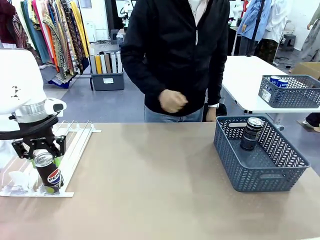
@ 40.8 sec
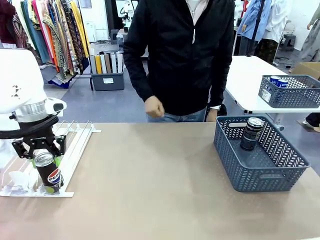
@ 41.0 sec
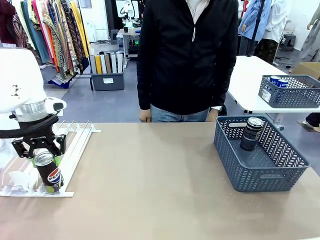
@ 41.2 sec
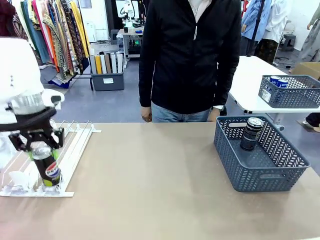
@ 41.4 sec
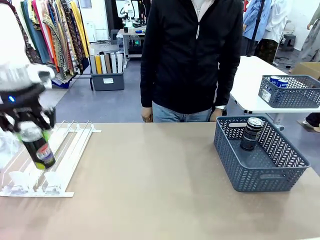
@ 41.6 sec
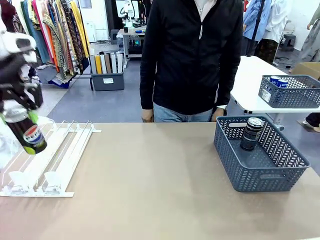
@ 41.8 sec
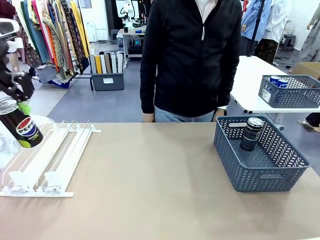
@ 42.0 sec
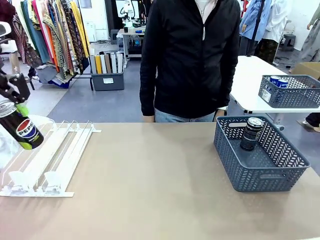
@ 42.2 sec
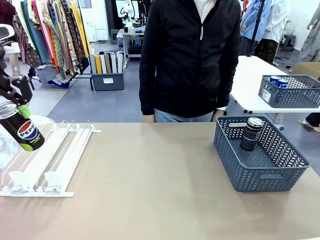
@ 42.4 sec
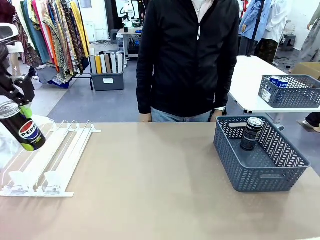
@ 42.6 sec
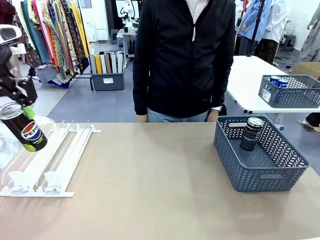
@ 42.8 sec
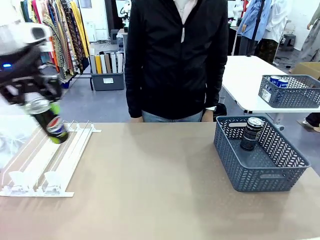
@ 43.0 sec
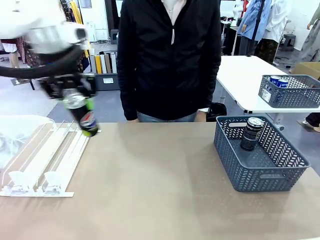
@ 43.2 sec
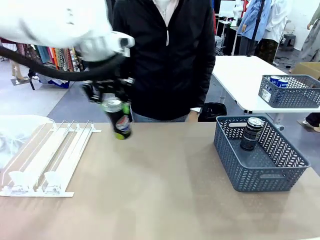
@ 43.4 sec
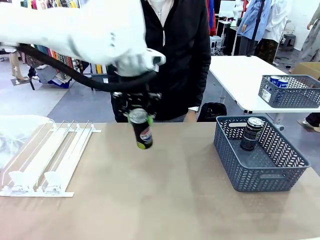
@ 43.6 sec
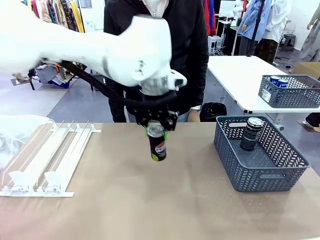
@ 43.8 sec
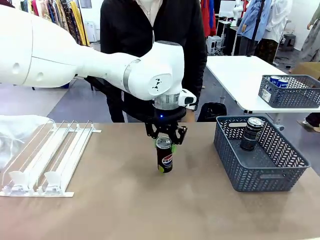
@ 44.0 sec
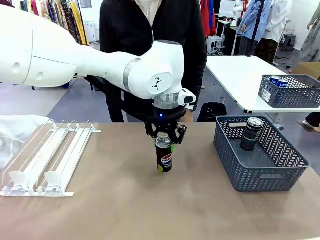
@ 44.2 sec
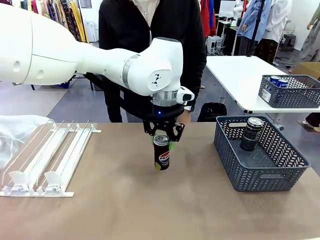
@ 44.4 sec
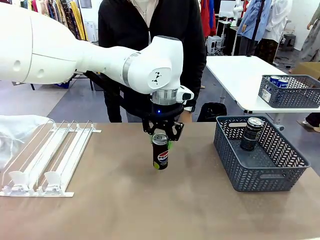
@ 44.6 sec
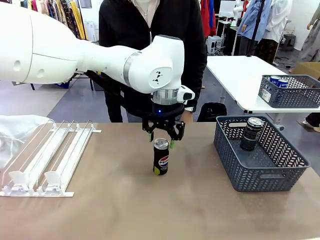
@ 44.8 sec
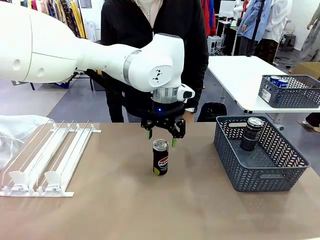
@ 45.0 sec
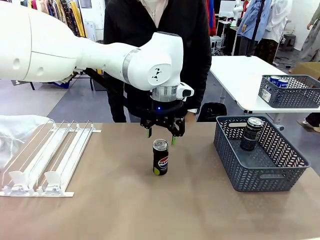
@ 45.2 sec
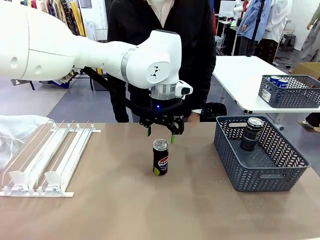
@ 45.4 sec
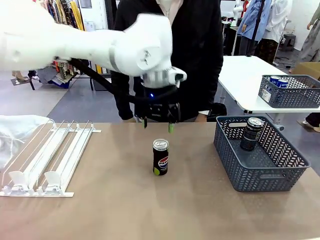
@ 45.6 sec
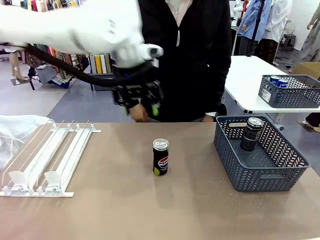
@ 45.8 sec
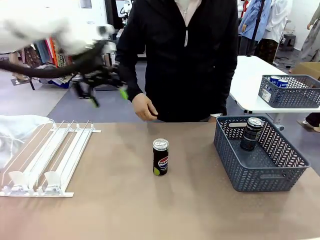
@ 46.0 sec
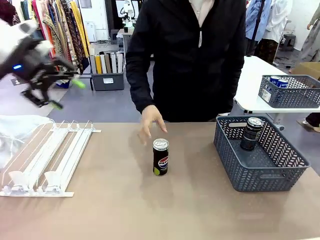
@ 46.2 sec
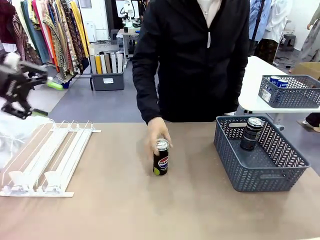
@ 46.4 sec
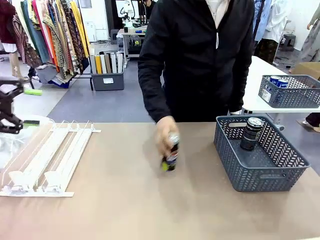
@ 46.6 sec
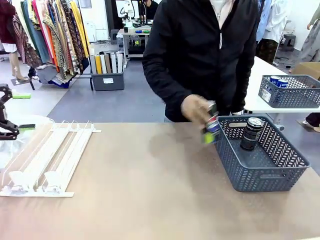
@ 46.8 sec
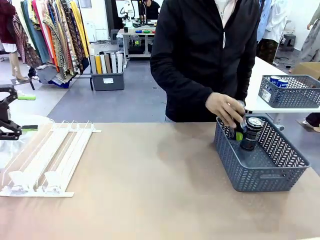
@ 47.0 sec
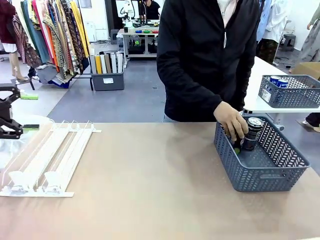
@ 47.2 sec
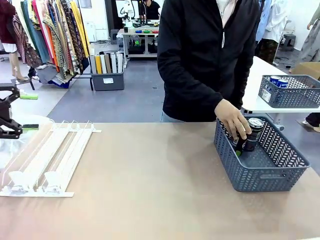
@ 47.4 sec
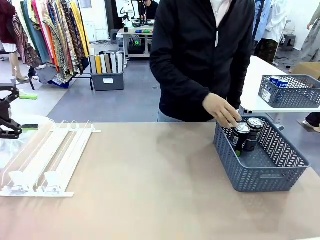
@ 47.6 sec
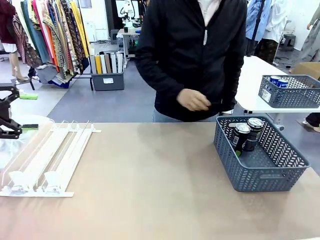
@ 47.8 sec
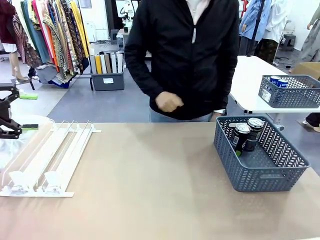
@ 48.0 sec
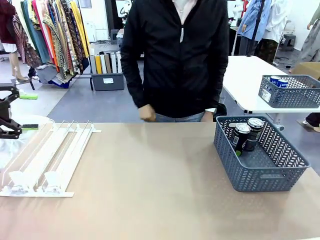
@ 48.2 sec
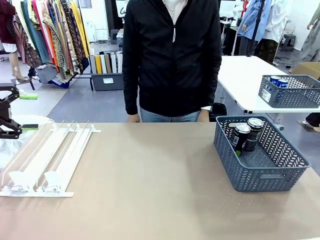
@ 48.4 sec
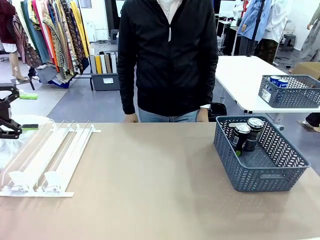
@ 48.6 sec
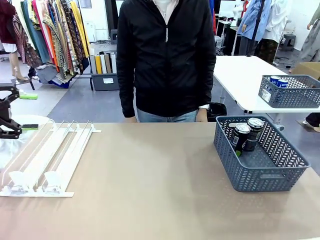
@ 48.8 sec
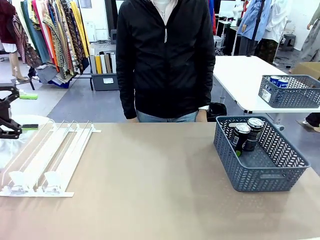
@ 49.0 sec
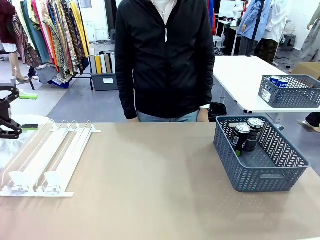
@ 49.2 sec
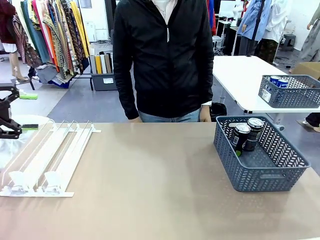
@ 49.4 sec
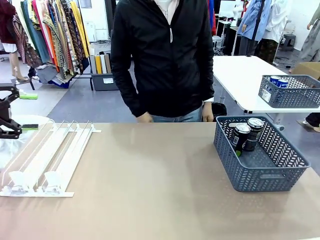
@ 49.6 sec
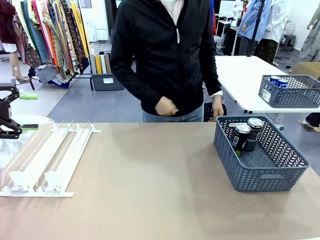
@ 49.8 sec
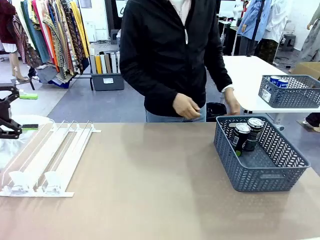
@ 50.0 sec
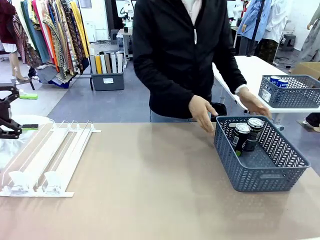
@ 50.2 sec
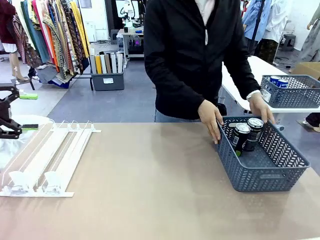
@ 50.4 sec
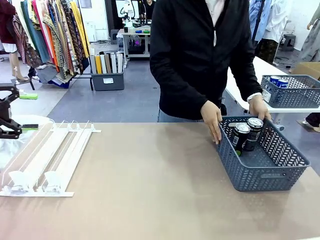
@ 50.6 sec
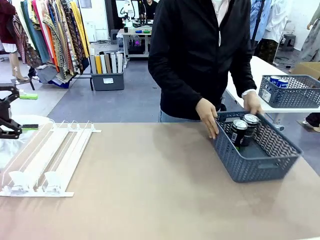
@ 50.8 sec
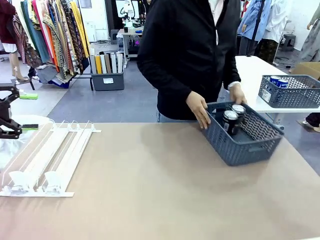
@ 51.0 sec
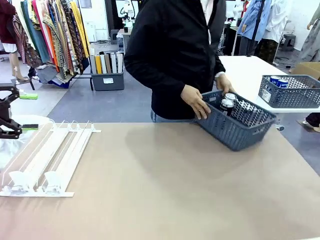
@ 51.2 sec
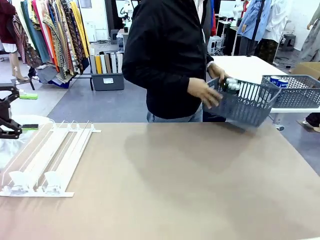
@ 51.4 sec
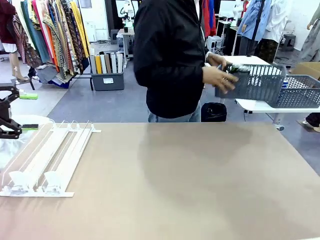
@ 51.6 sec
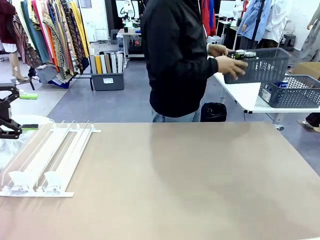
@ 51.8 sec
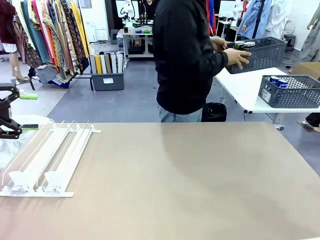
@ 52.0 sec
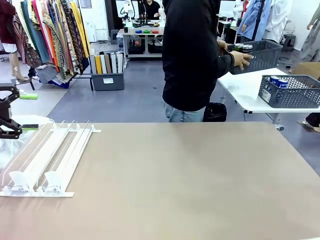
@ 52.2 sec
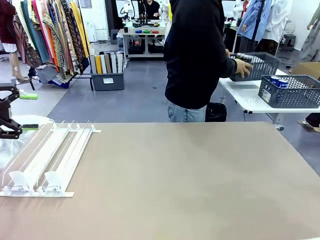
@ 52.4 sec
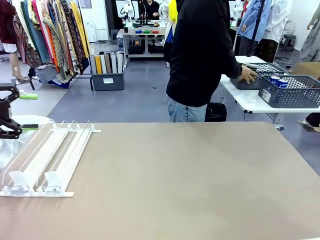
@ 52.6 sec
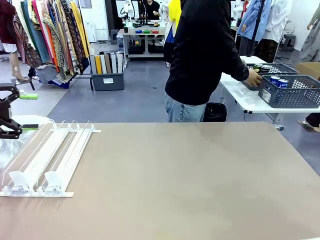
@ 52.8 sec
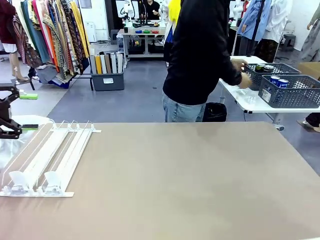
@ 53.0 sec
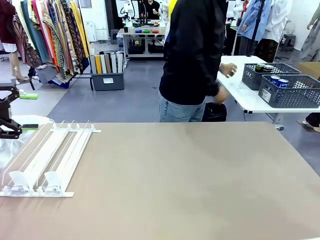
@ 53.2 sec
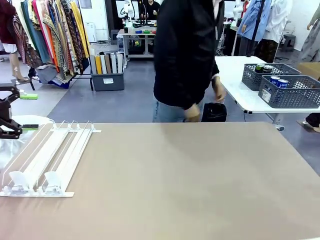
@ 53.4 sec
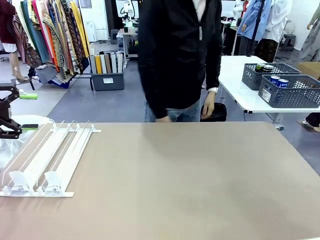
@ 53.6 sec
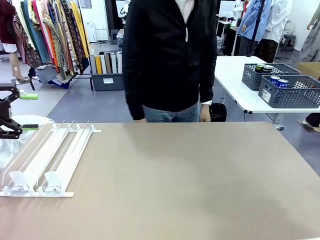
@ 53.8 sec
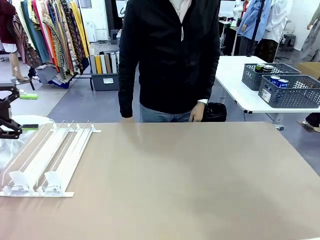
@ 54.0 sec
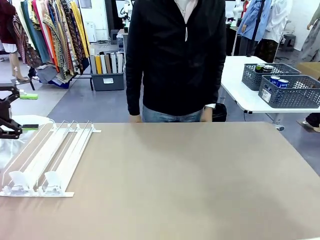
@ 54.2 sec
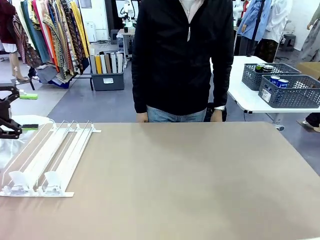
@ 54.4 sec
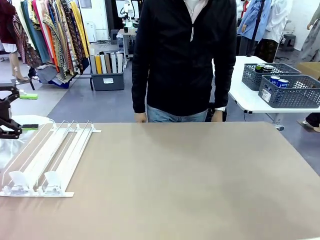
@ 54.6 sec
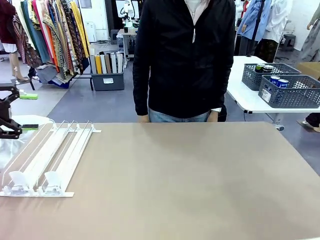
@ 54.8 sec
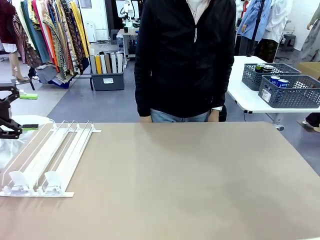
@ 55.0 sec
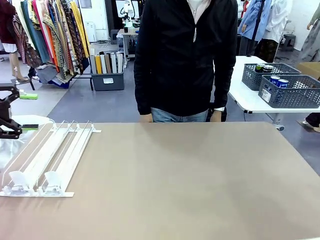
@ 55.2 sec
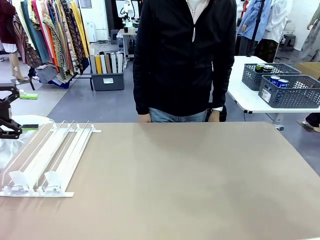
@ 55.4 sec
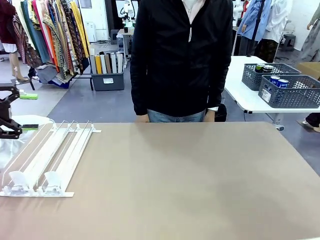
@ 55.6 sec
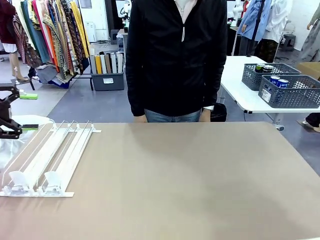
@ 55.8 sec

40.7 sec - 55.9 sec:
Task: Retrieve and store the cans from the dispenser.
Robot: Pick up one can from the Automatic Can Dispenser and place it in the middle of the table.
Person: Pick up one sports drink can from the middle of the robot table and place it in the basket. Pick up the basket and place it in the middle of the human table.

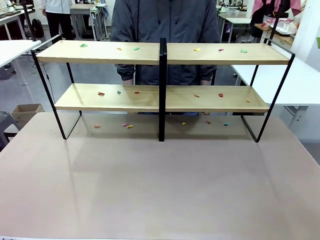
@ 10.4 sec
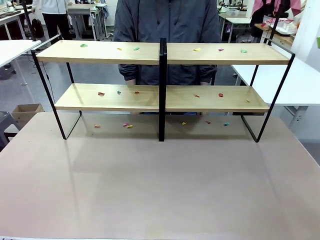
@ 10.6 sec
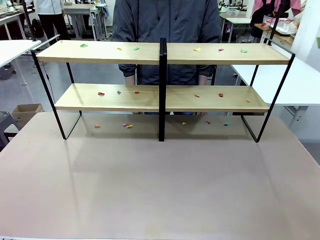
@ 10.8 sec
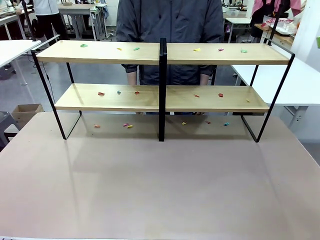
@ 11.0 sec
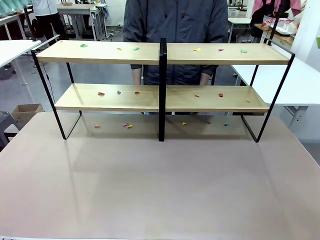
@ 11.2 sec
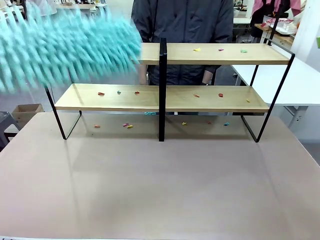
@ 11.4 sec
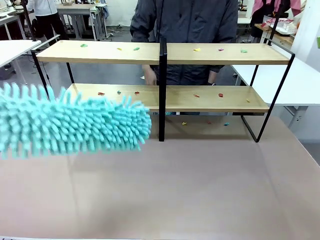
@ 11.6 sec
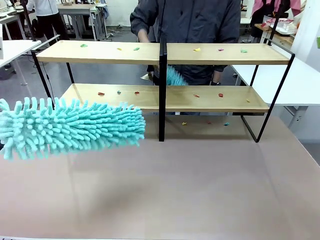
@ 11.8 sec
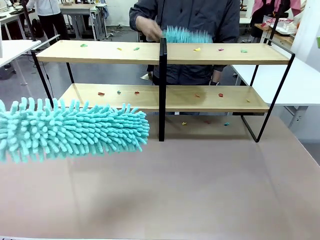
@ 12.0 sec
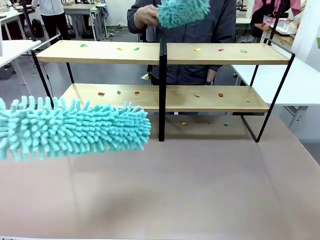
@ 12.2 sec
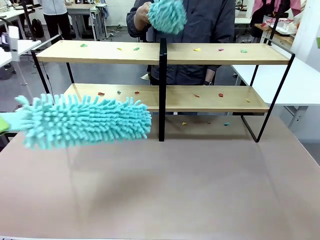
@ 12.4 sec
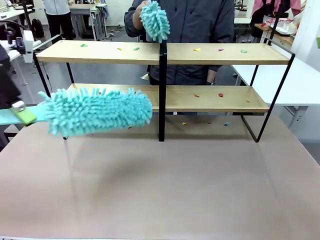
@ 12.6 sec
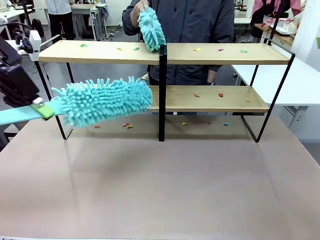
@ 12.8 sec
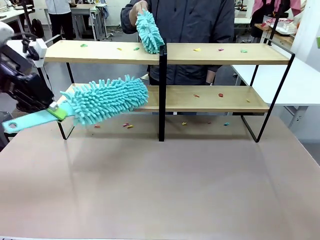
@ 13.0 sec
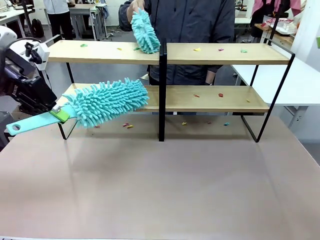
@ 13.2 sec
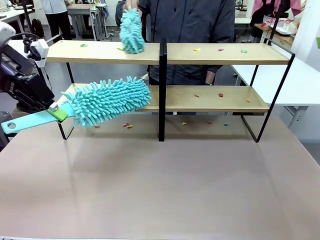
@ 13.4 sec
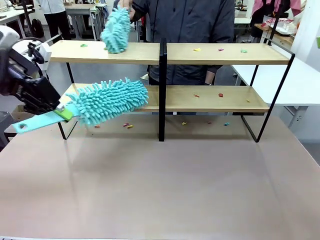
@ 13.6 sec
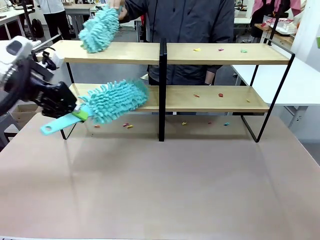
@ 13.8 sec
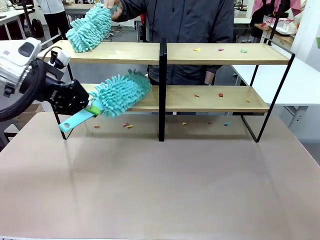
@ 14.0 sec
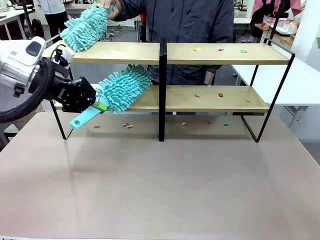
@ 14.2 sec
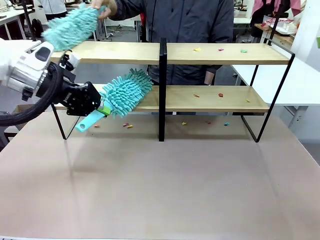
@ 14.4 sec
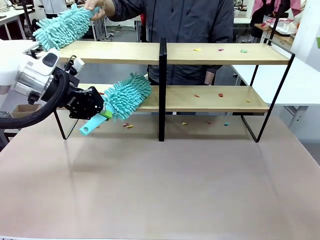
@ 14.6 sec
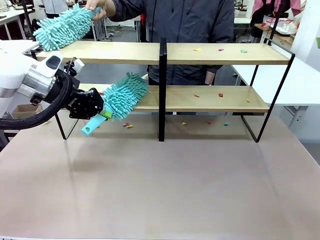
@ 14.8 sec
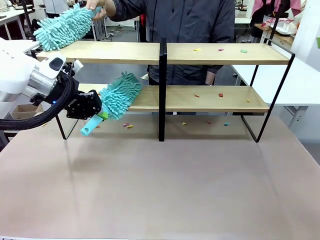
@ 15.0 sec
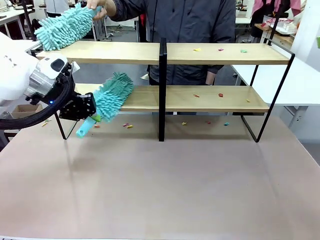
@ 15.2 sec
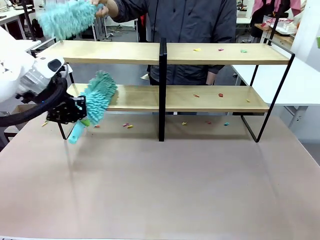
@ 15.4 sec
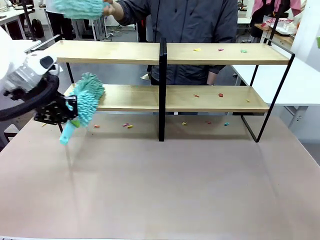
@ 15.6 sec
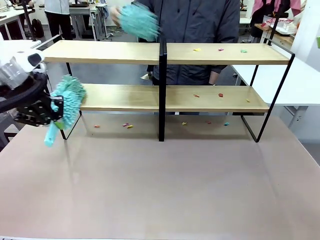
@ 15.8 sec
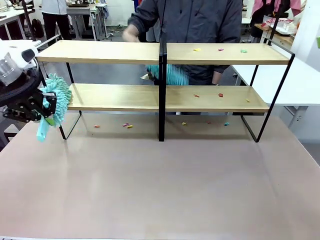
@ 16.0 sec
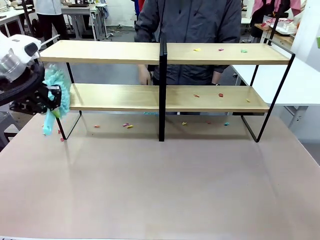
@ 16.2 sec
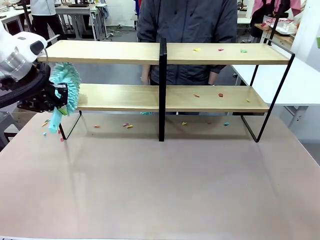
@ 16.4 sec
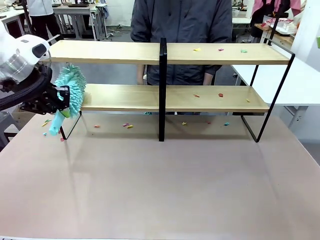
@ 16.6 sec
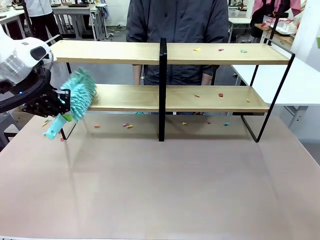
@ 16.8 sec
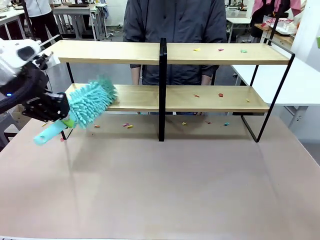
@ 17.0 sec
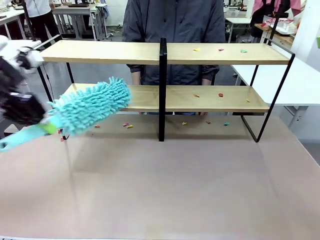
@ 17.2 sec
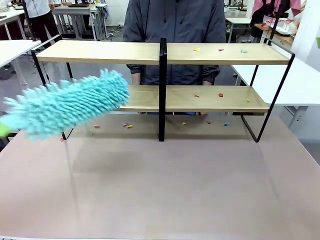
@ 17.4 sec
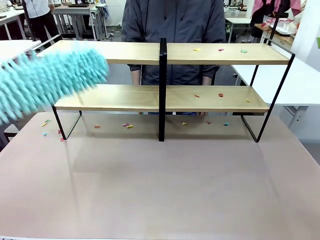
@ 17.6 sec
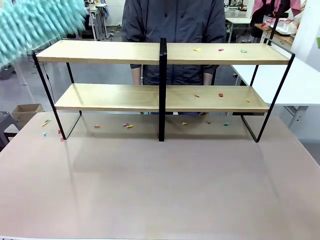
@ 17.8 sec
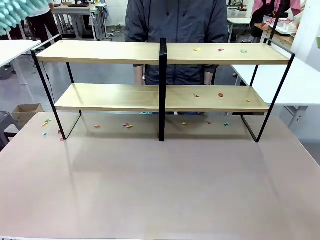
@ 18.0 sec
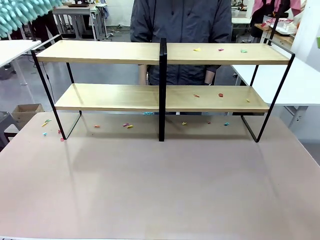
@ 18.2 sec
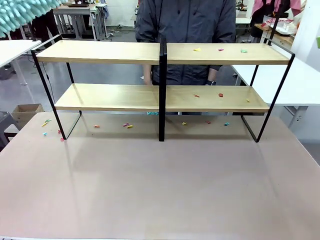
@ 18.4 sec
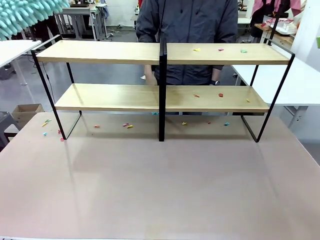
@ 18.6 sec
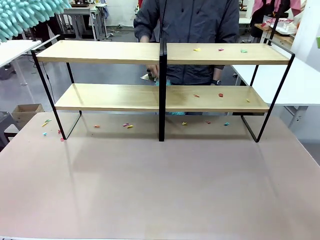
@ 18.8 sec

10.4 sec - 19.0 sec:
Task: Clean the shelves.
Robot: Clean a randomly selected level of the Shelf with the Duster.
